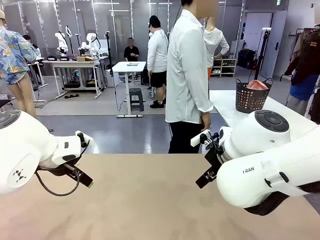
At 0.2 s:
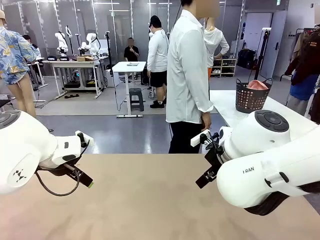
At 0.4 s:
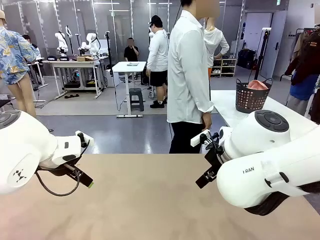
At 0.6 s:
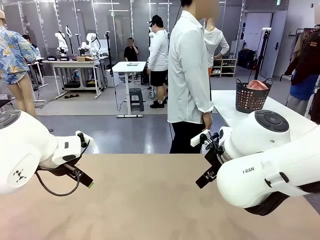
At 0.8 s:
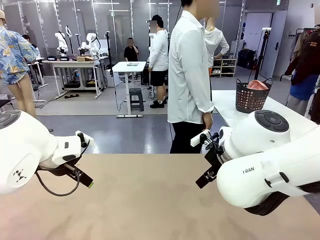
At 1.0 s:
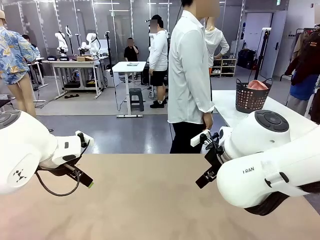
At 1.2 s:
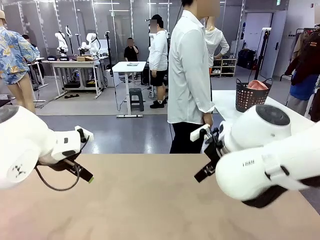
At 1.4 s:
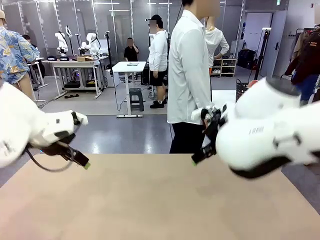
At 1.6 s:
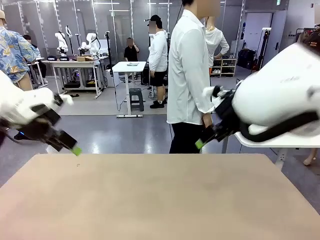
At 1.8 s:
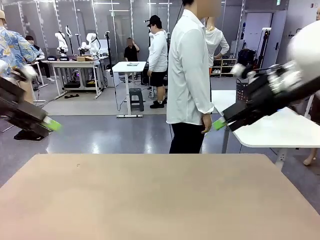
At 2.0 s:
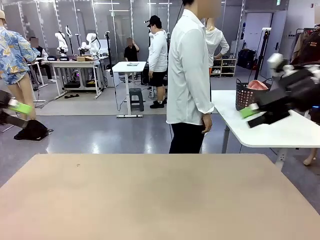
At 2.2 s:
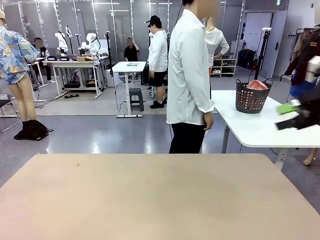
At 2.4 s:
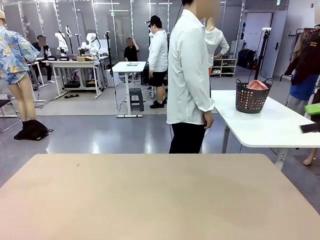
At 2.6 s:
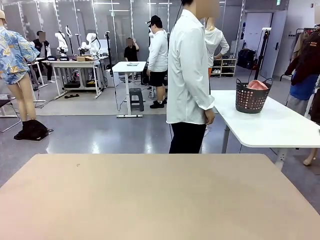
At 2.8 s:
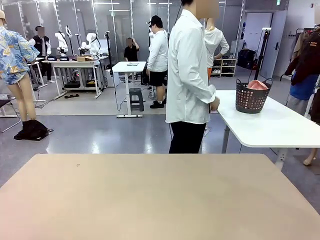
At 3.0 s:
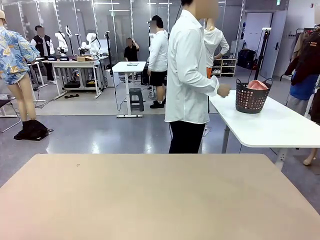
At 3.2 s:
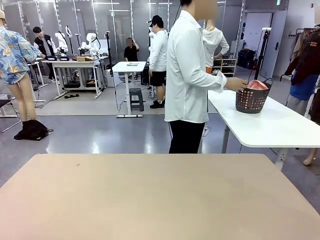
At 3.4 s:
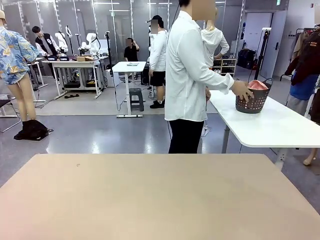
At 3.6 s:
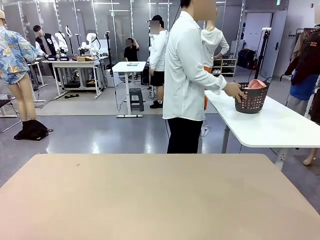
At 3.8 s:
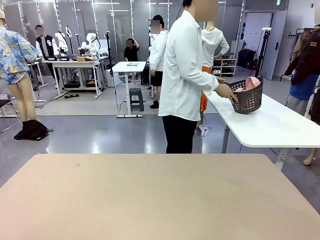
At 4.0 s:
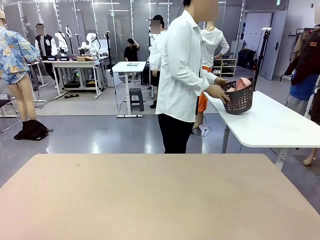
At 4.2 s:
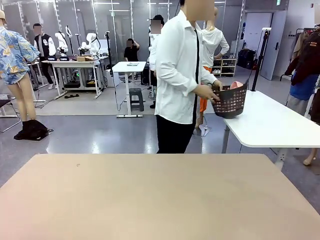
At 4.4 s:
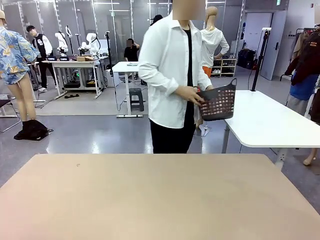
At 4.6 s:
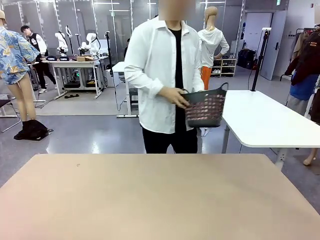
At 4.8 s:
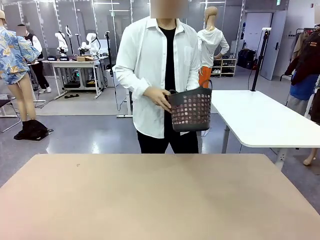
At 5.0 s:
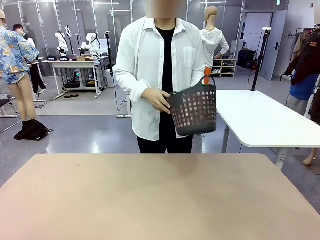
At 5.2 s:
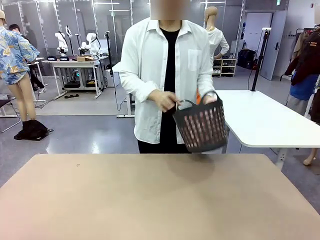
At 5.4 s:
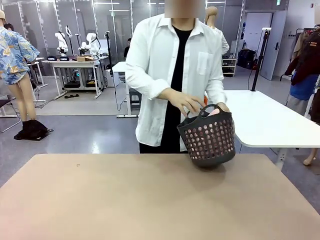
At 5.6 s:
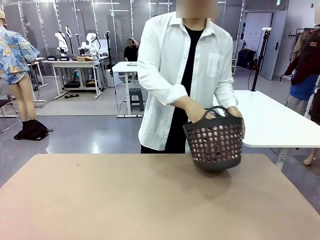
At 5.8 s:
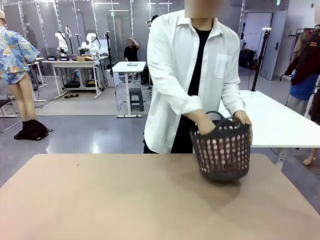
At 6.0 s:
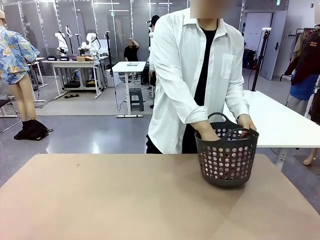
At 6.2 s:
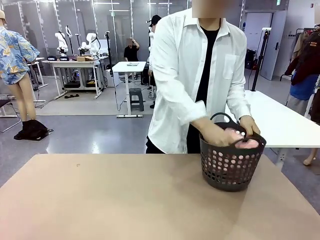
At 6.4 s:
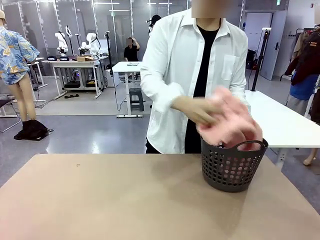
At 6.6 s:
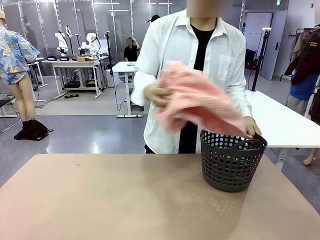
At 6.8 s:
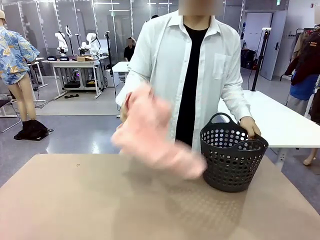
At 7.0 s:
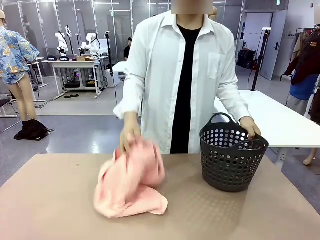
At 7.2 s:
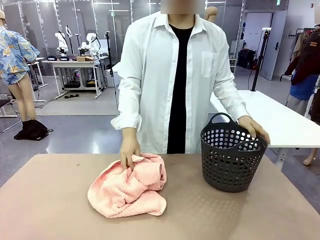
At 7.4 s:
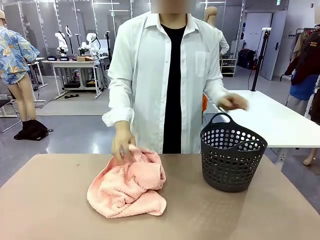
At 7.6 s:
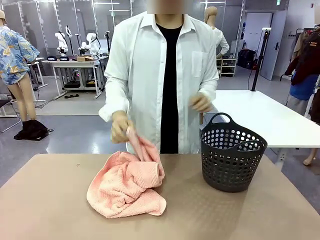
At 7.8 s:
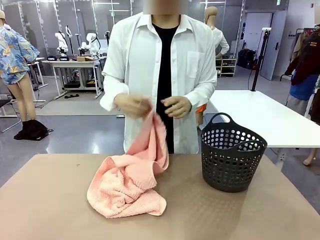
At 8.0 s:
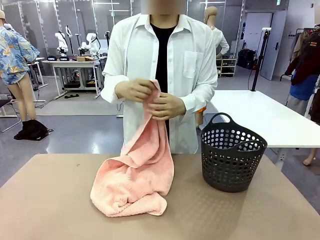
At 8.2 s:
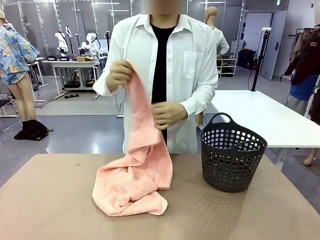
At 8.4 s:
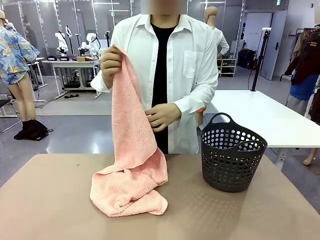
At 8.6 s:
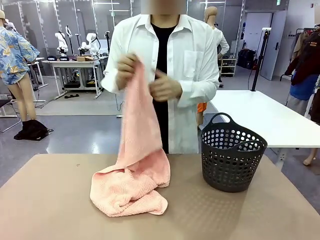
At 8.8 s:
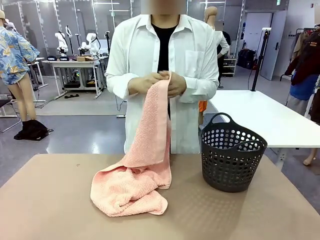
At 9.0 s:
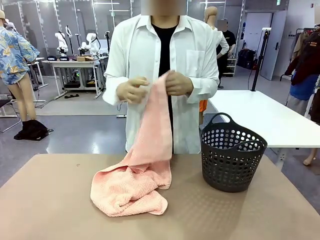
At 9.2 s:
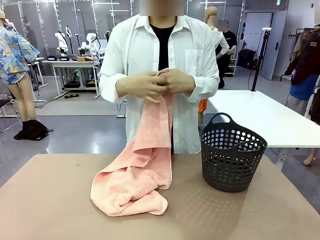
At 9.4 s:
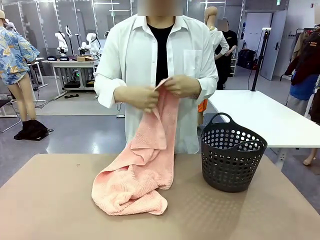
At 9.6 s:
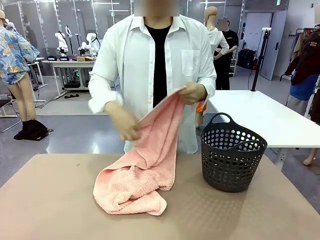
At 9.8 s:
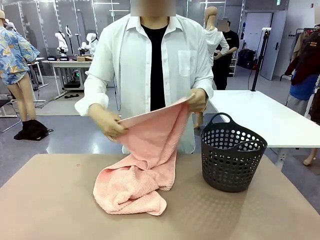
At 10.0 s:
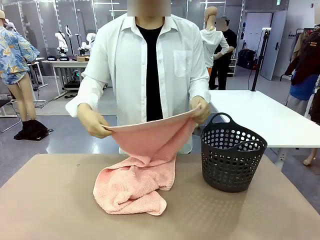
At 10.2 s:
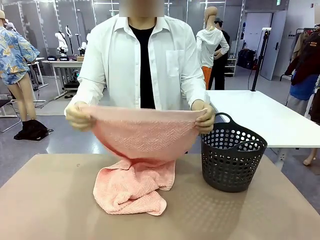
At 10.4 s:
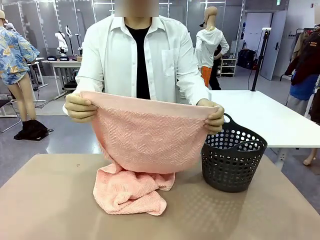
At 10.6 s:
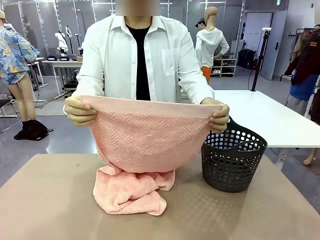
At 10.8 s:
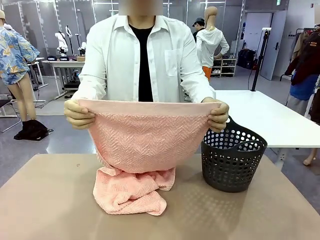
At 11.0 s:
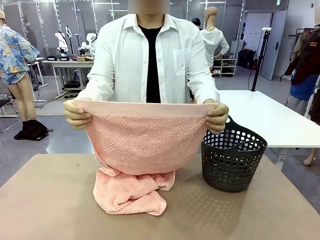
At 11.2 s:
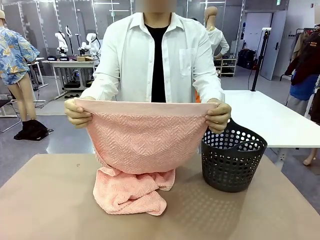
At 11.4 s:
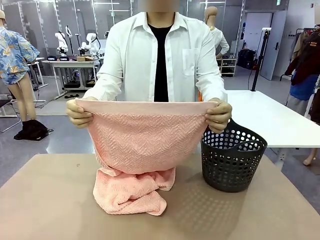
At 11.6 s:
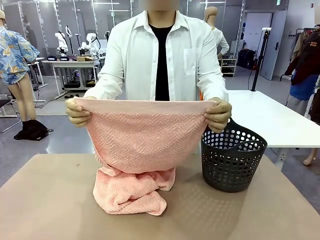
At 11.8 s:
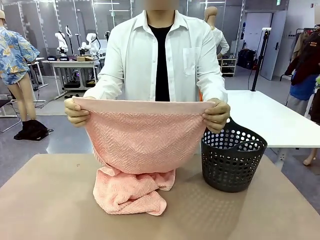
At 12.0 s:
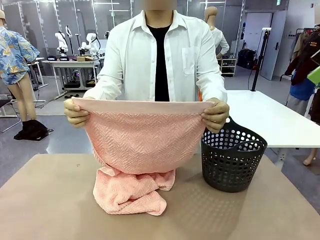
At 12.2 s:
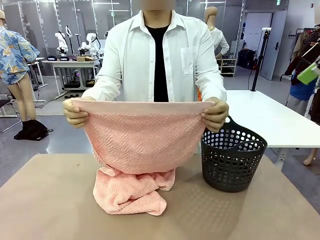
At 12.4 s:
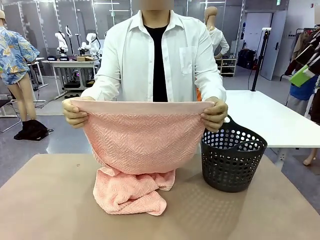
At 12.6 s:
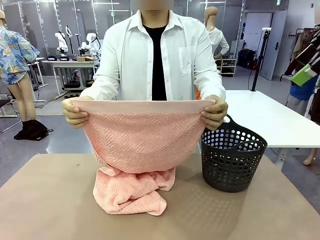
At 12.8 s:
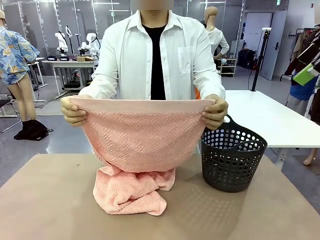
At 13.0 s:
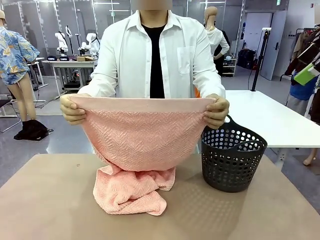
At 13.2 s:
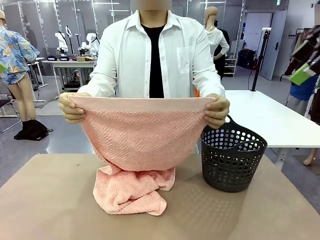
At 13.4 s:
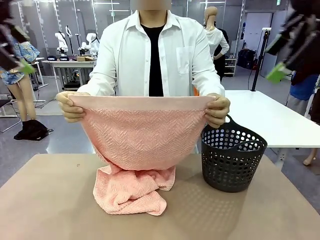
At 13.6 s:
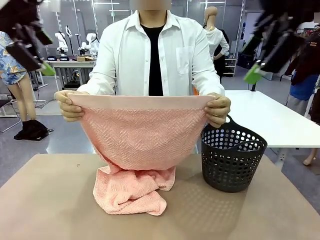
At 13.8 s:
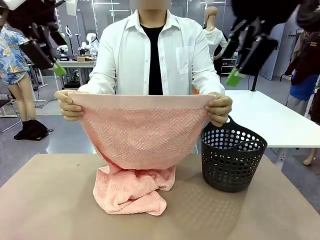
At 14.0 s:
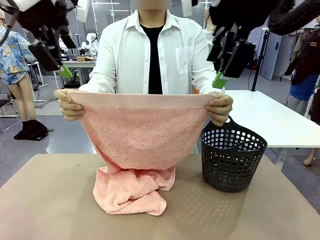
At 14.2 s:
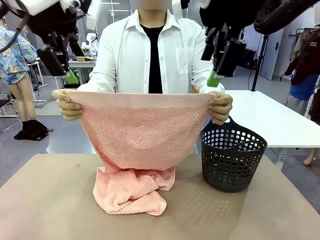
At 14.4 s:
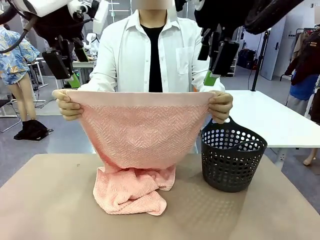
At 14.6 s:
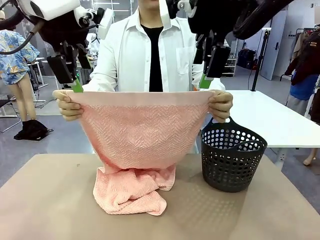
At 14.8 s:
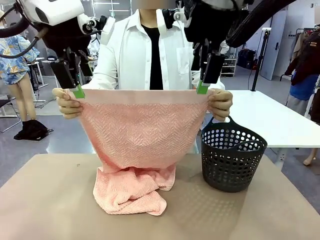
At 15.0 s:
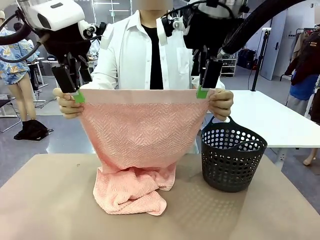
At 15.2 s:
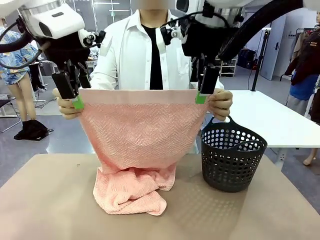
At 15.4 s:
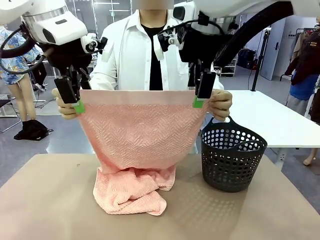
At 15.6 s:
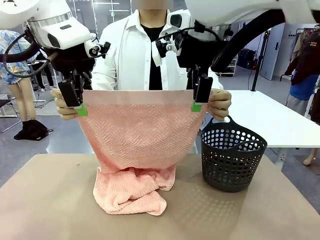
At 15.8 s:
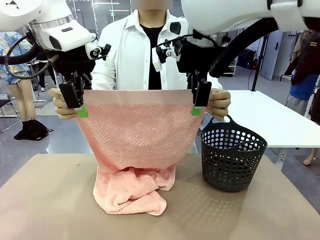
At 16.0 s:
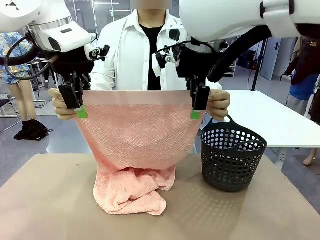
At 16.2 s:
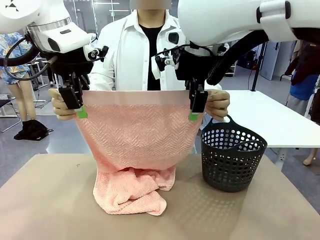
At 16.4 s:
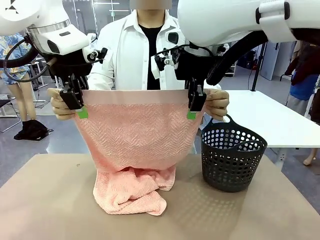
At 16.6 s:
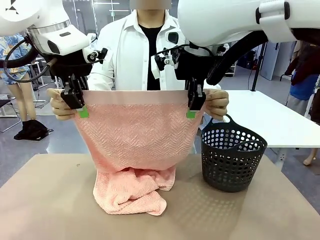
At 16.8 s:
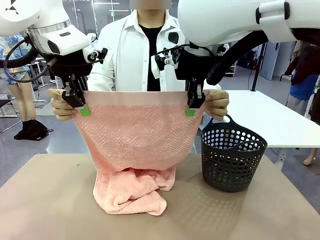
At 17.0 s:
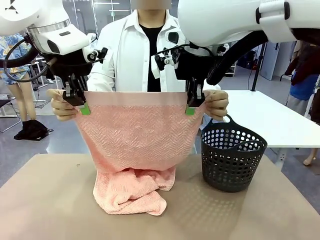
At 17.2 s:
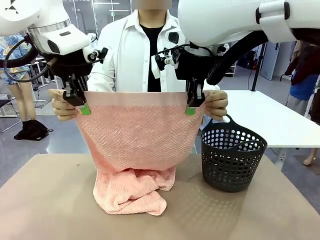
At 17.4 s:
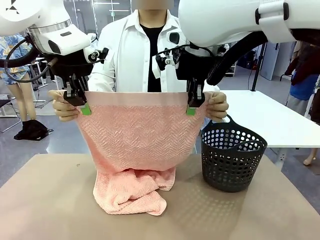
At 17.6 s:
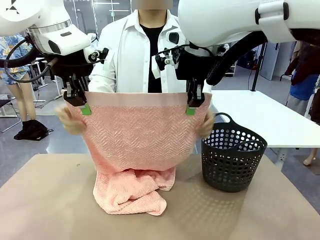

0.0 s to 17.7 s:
Task: Fold the towel.
Robot: Grab the top end of the 100 cm Hotel Towel extended by the human.
Person: Pick up the laundry basket, place it on the left side of the robot table, then take out a towel and hand it to the robot while holding both corners of one end.
